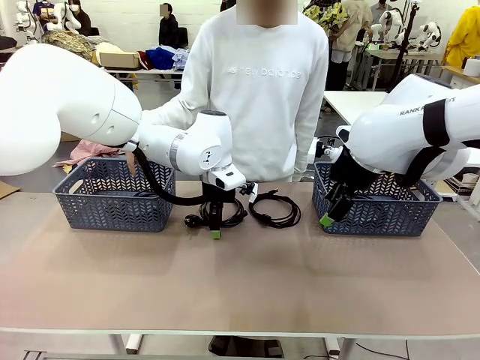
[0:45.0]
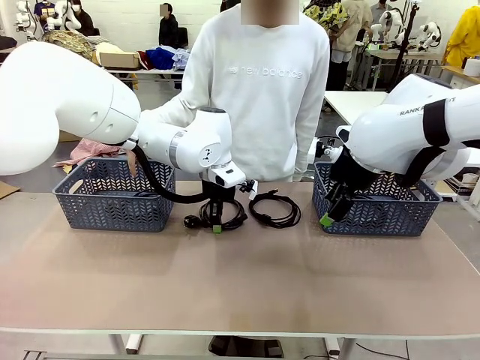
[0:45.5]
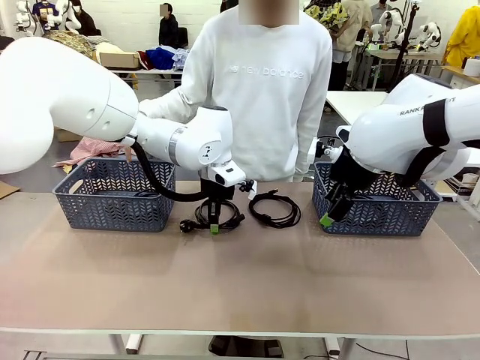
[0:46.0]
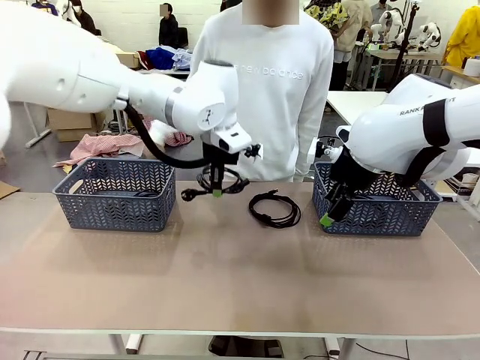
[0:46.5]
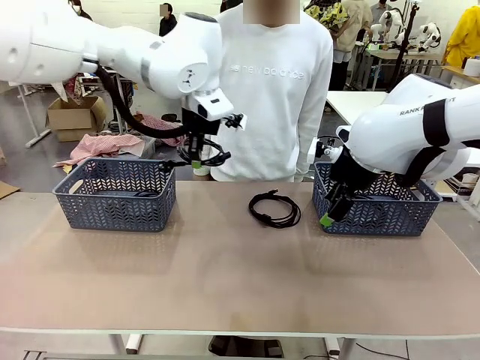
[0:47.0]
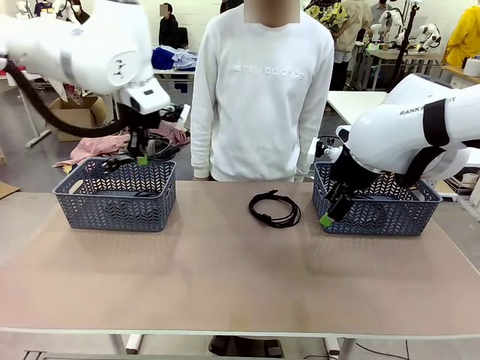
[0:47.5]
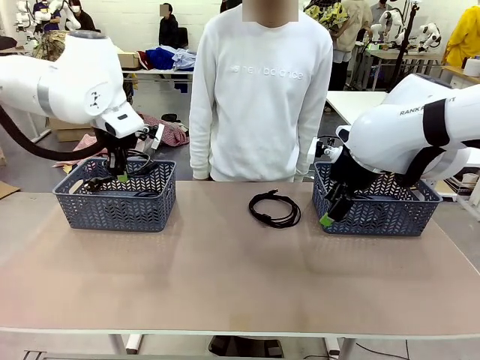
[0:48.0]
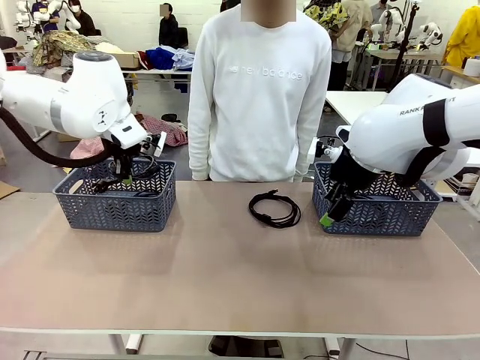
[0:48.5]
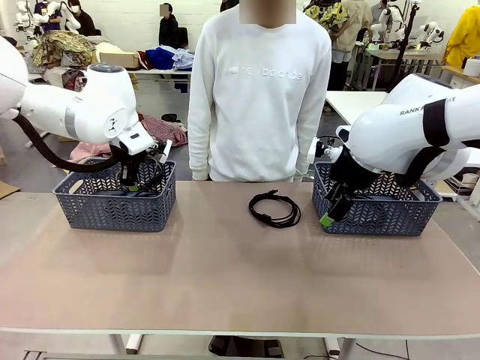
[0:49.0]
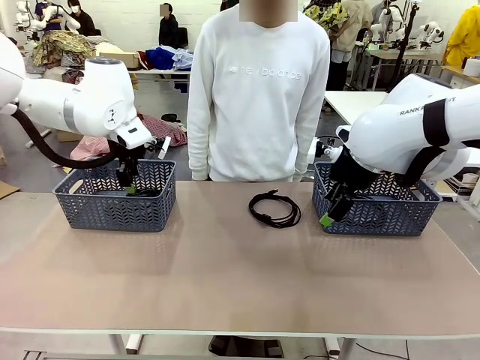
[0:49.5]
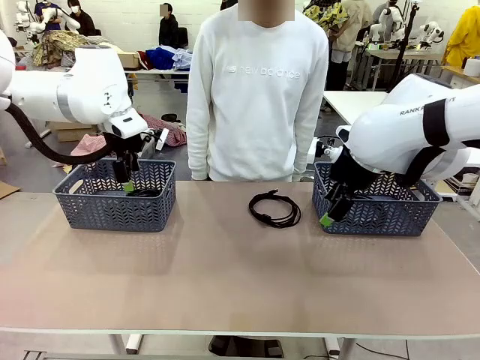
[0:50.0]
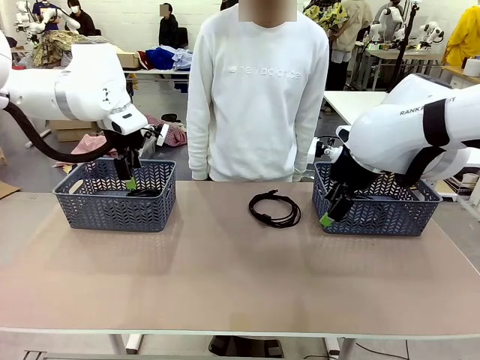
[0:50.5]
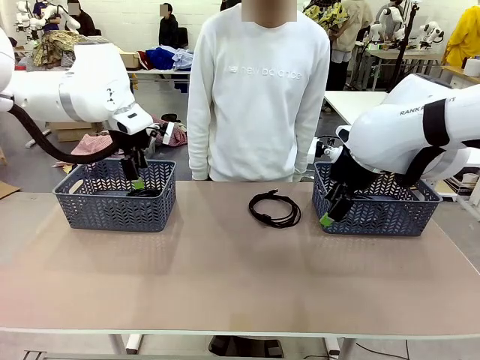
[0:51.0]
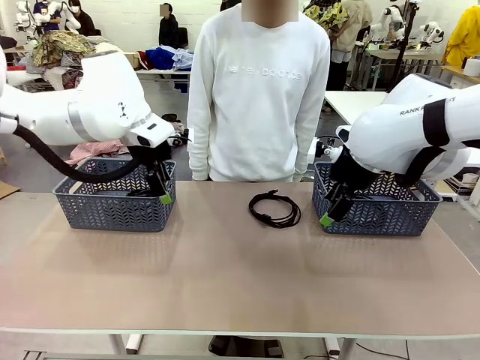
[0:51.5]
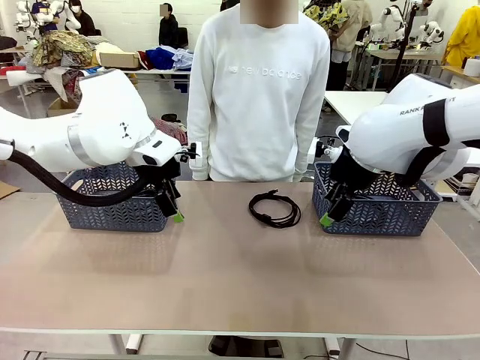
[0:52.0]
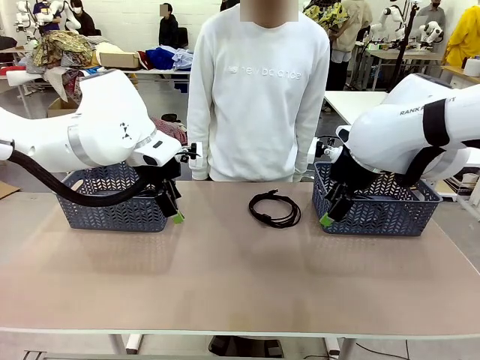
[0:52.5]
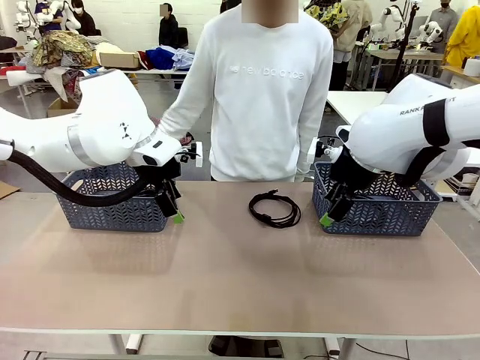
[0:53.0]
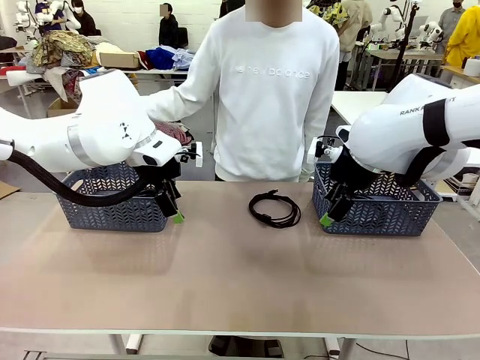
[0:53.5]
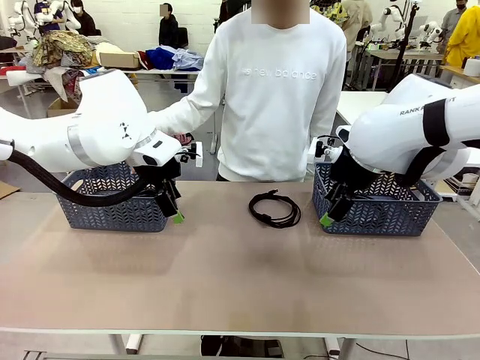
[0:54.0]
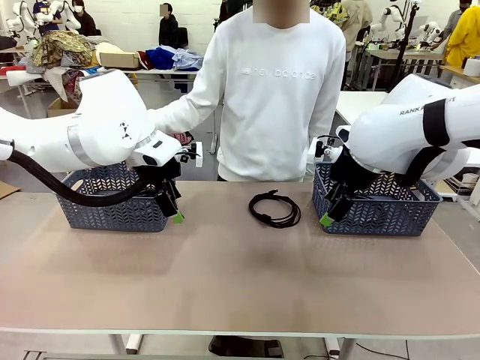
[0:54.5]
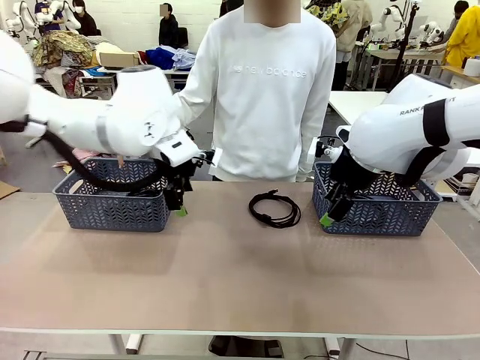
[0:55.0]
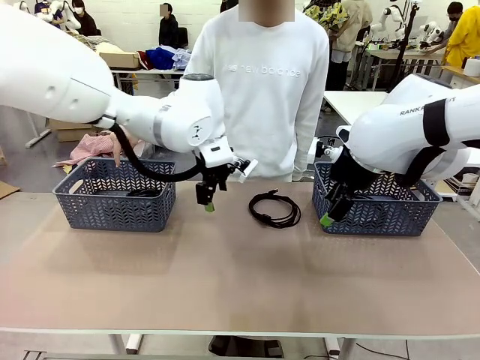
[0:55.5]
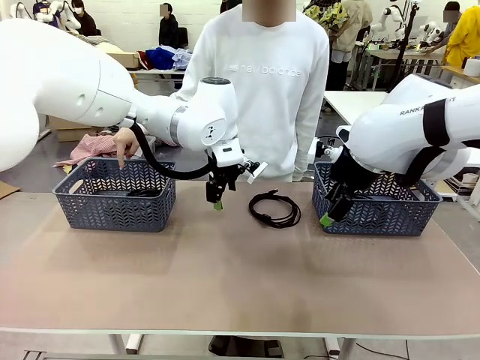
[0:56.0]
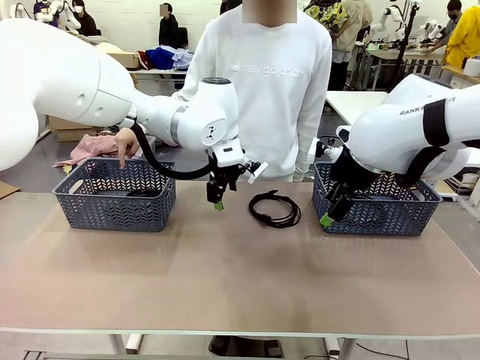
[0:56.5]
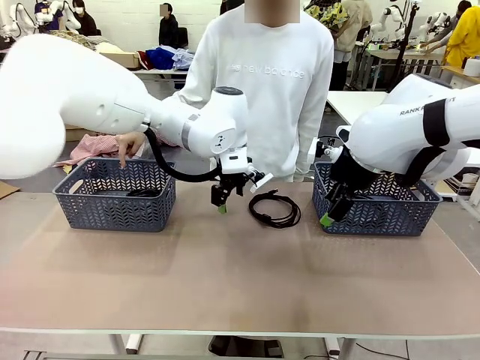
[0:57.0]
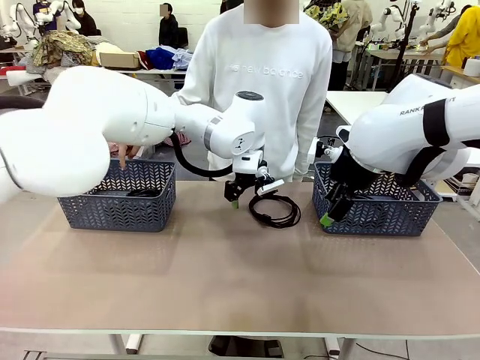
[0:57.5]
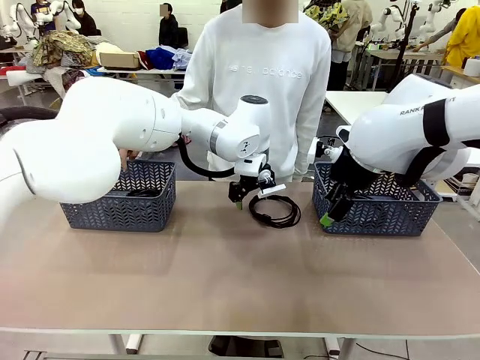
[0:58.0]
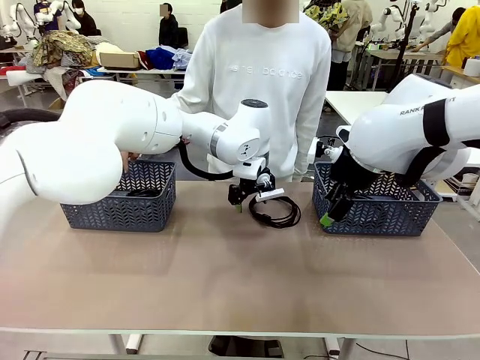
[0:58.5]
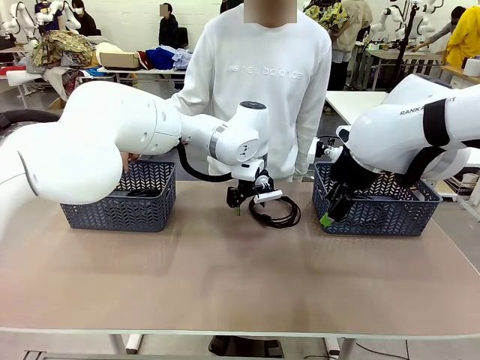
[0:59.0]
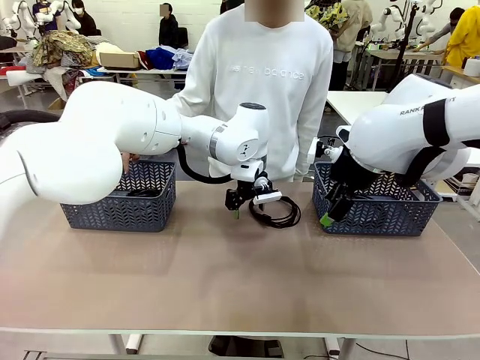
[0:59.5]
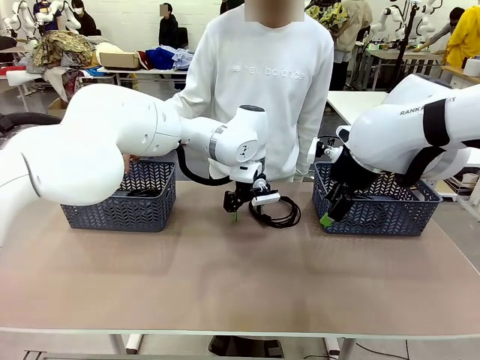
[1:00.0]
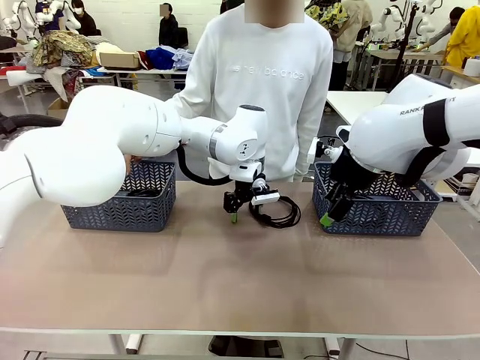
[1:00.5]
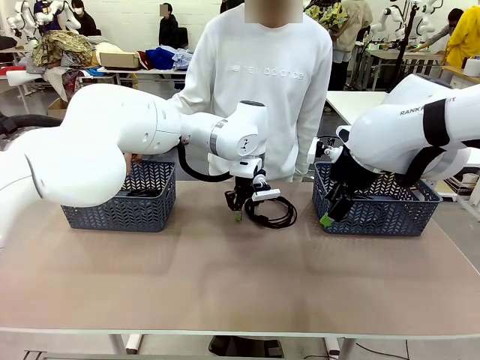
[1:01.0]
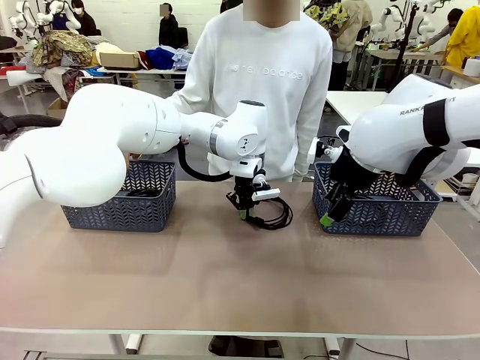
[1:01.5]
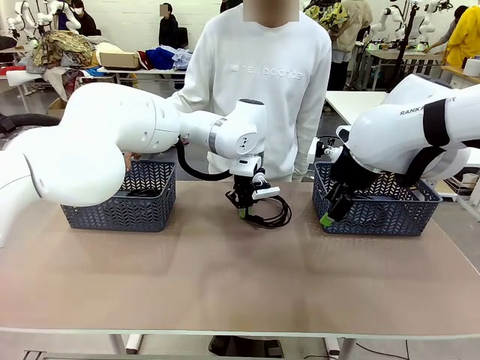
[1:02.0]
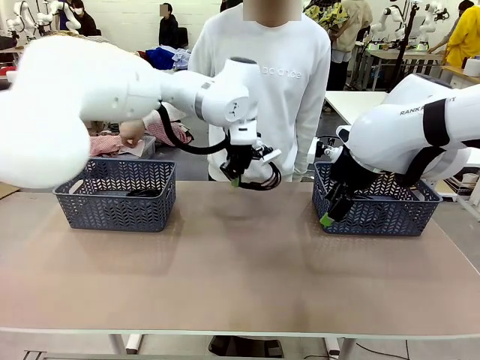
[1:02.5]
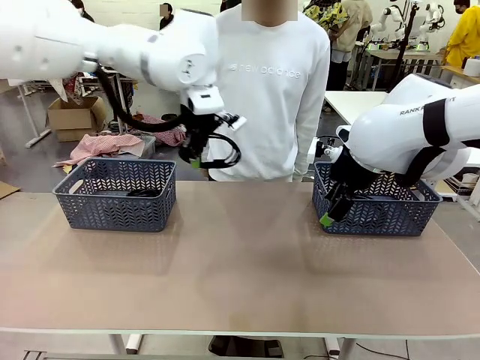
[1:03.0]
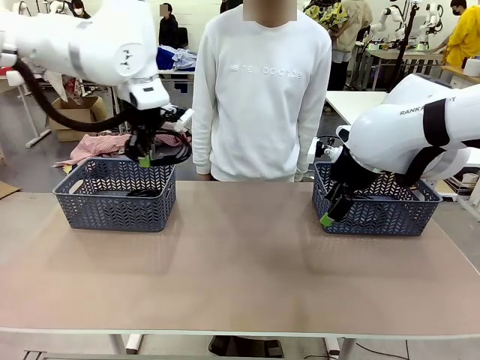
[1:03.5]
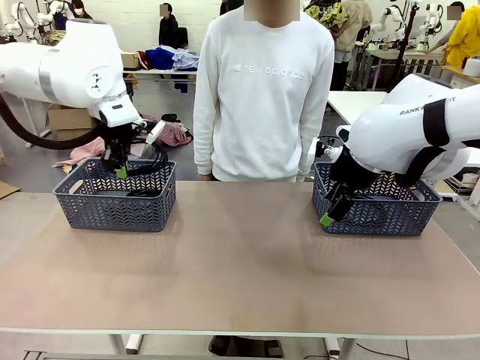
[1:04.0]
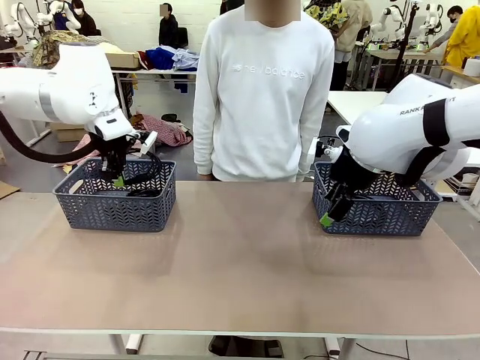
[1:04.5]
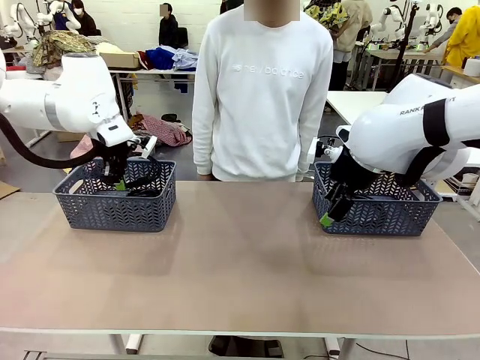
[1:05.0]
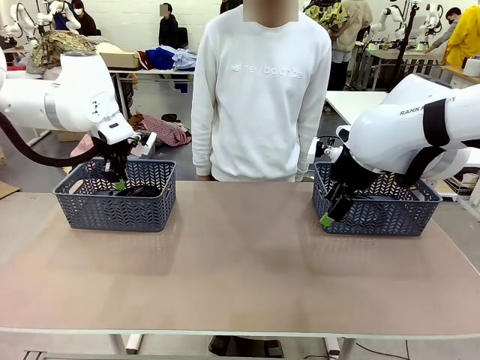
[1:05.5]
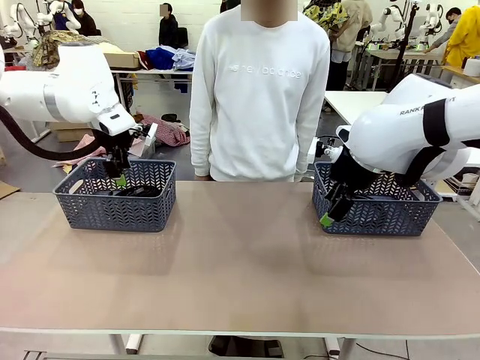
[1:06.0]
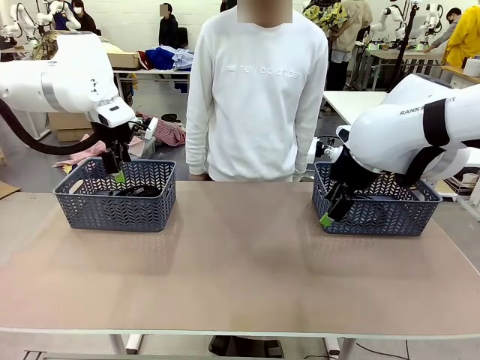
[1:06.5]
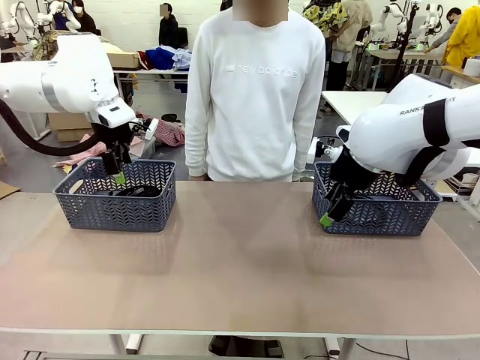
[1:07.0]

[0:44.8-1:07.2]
Task: Organize the cables according to human instructions.
Robot: Pick up a bundle of cables and place it in the basket indicated by the human.

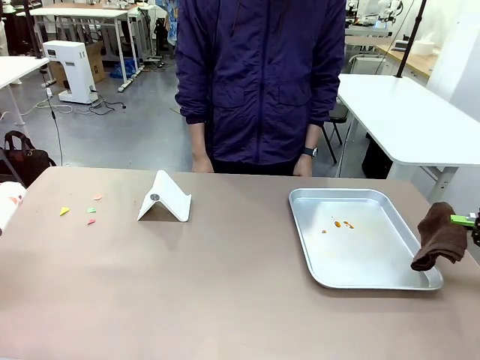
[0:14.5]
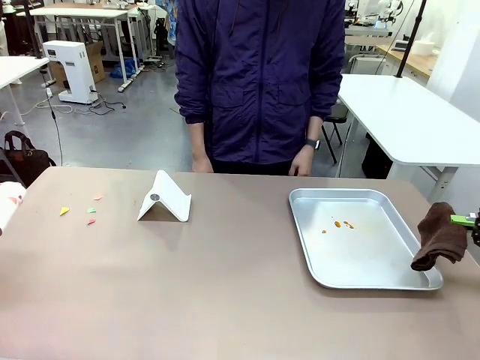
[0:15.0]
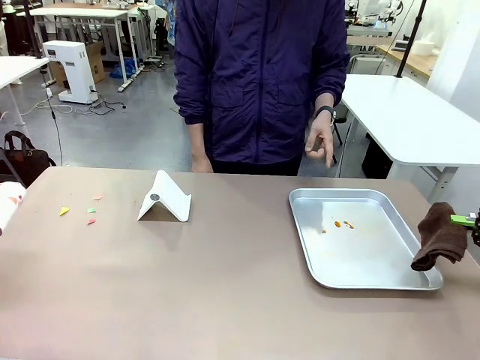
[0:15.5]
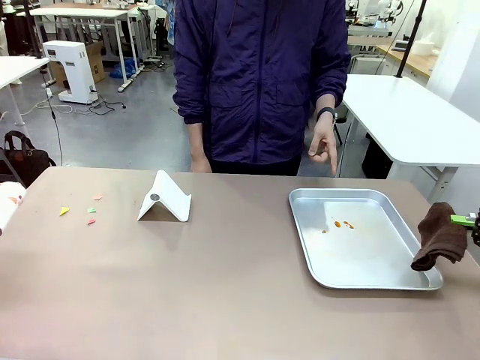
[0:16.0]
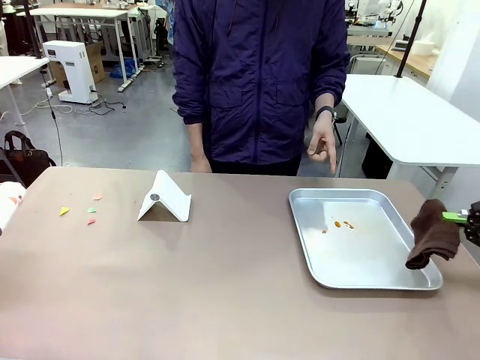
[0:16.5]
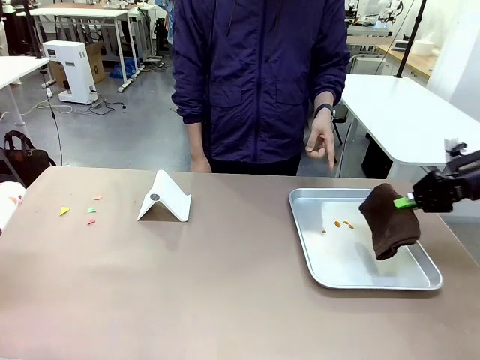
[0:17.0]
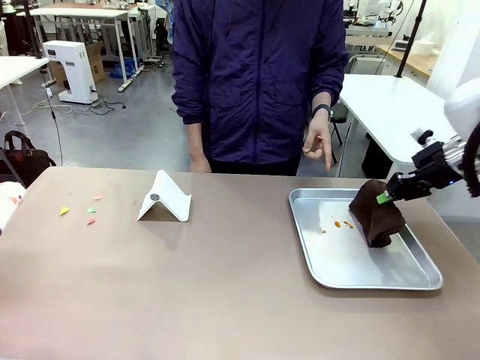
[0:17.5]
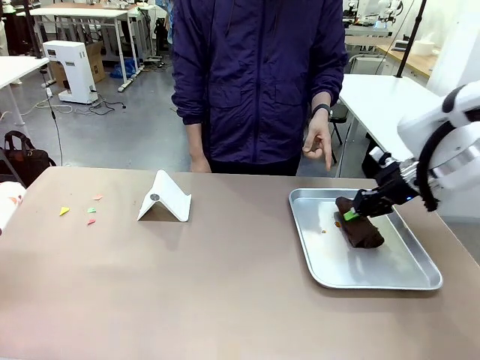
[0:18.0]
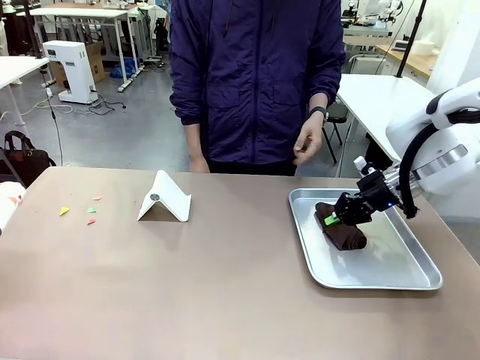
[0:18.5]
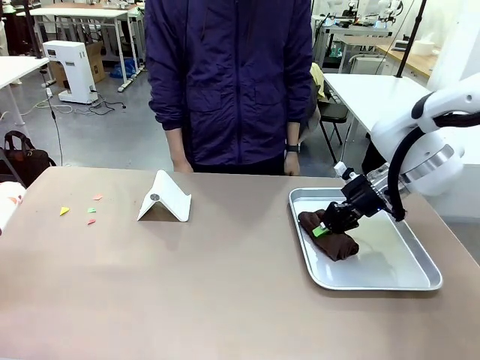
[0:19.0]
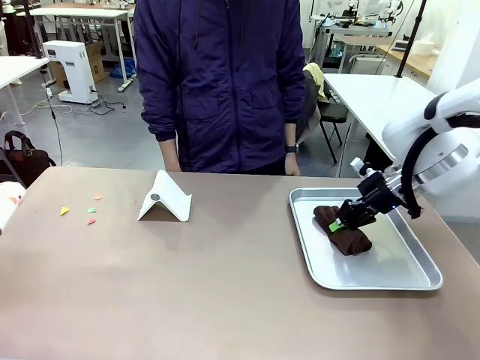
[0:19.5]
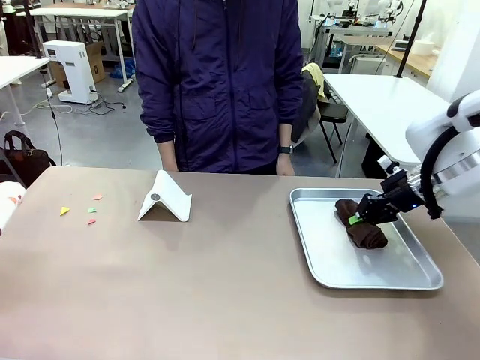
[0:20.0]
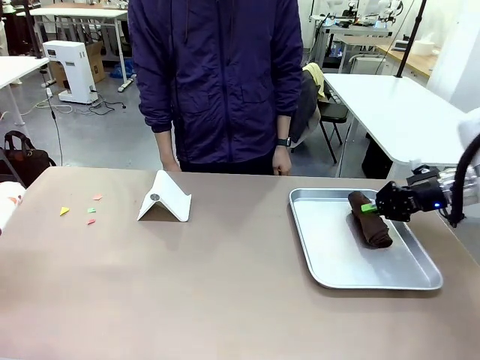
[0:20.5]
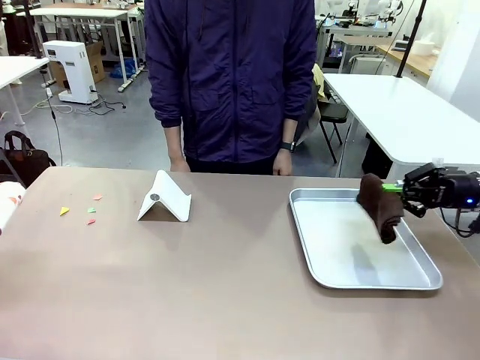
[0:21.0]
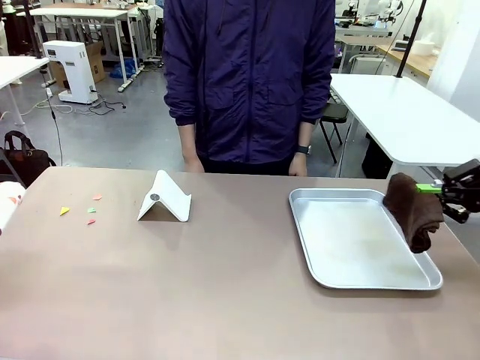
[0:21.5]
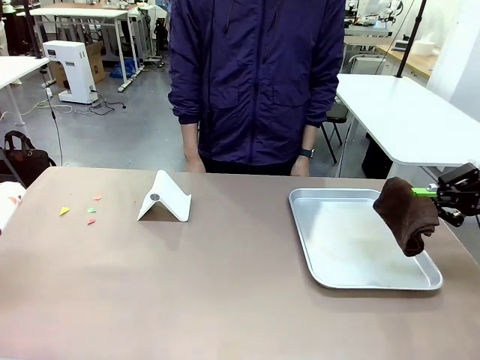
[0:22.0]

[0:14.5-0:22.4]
Task: Clean the surface of the table.
Robot: If a person points to the right, clean the right side of the table with your right hand, and if they point to the left, clean the left side with your left hand.
